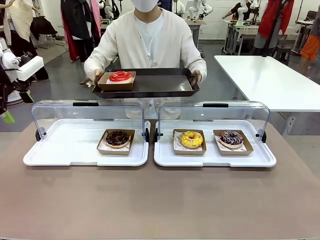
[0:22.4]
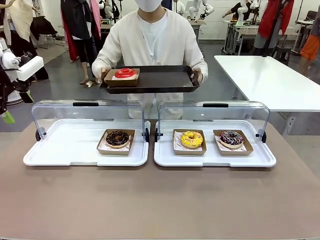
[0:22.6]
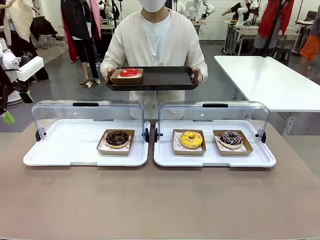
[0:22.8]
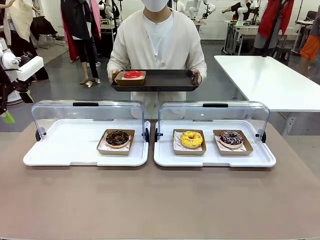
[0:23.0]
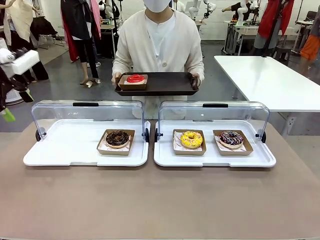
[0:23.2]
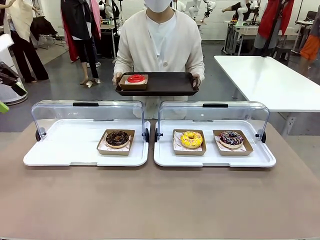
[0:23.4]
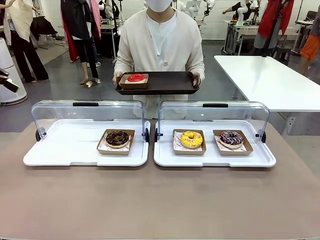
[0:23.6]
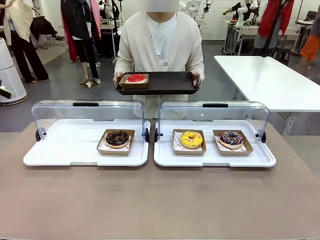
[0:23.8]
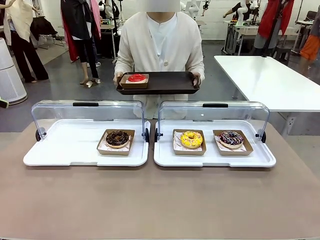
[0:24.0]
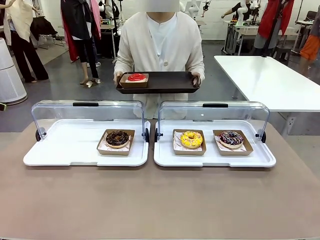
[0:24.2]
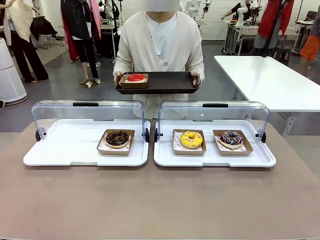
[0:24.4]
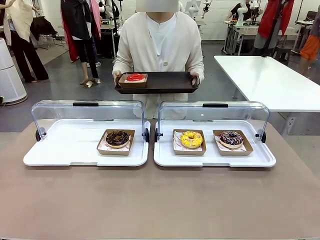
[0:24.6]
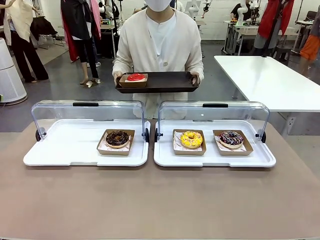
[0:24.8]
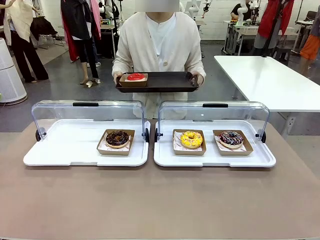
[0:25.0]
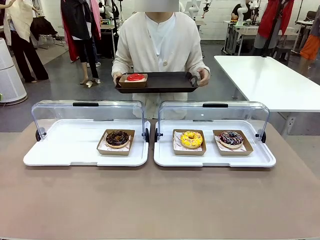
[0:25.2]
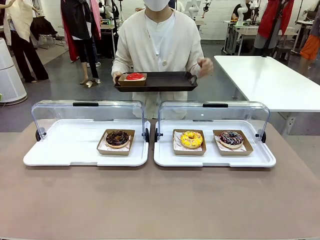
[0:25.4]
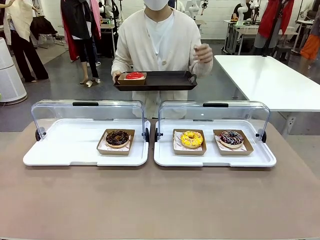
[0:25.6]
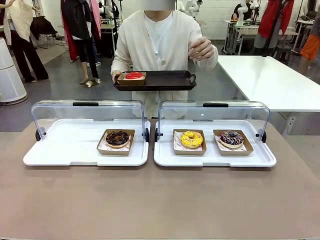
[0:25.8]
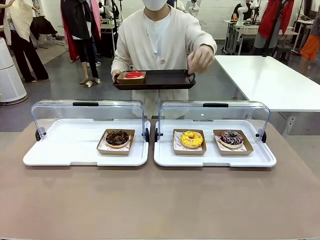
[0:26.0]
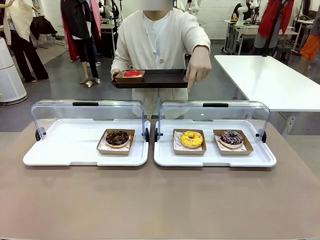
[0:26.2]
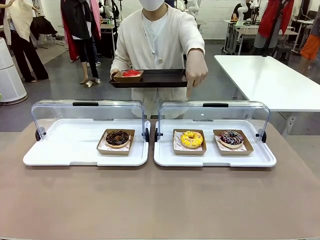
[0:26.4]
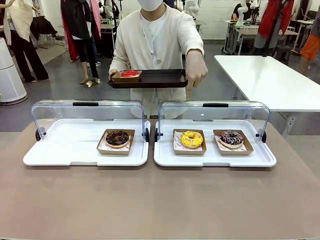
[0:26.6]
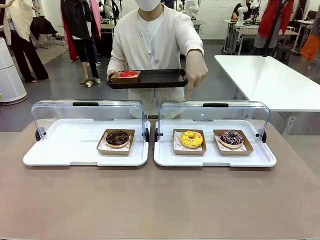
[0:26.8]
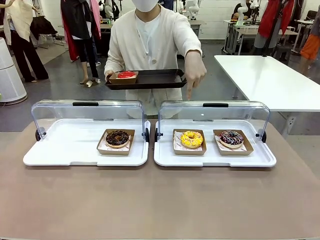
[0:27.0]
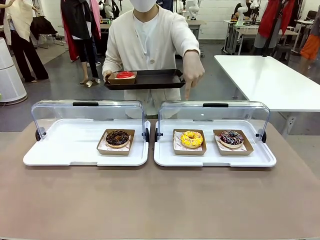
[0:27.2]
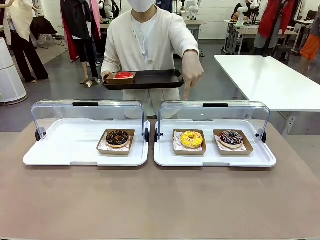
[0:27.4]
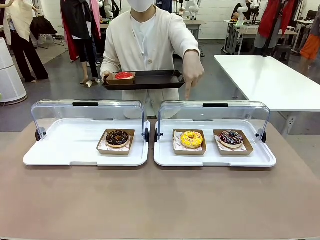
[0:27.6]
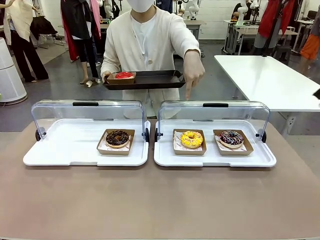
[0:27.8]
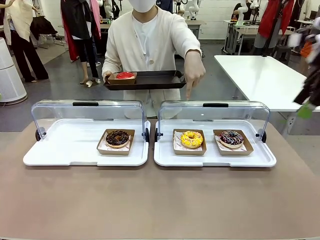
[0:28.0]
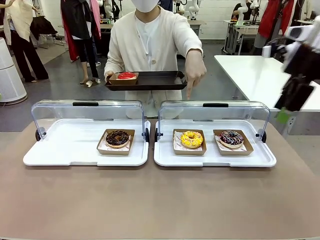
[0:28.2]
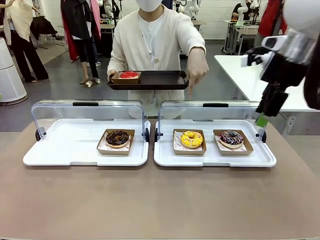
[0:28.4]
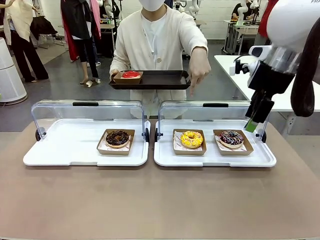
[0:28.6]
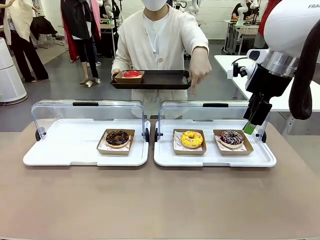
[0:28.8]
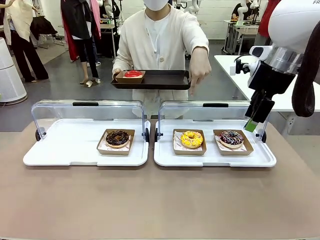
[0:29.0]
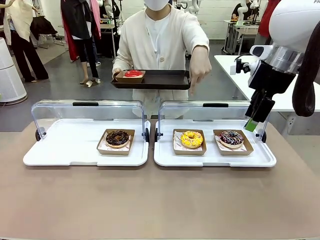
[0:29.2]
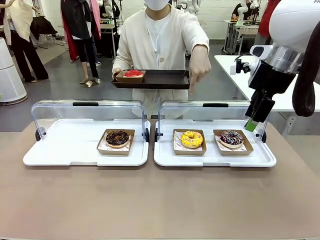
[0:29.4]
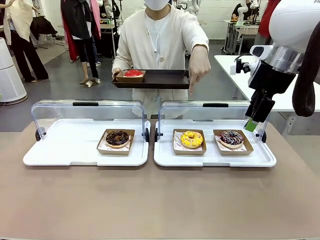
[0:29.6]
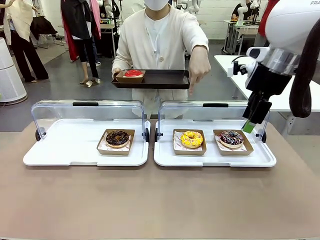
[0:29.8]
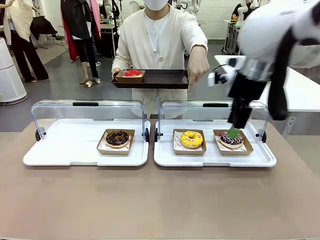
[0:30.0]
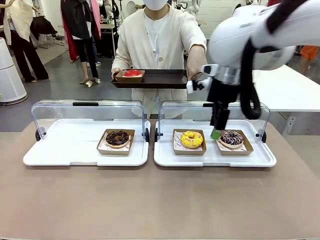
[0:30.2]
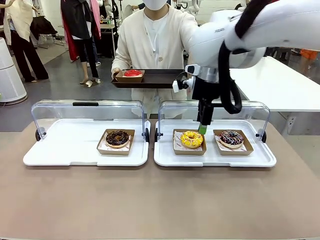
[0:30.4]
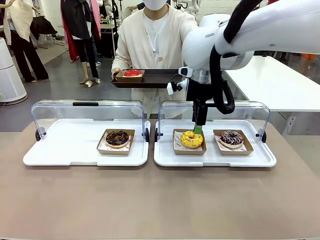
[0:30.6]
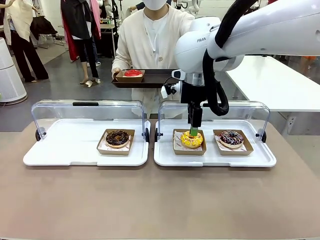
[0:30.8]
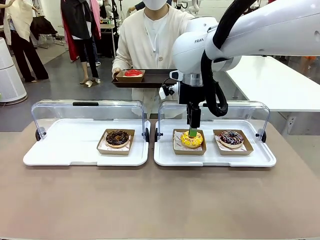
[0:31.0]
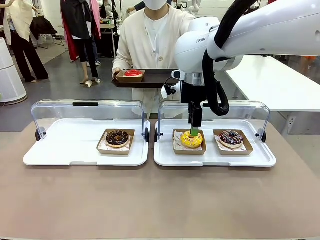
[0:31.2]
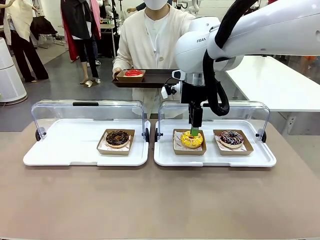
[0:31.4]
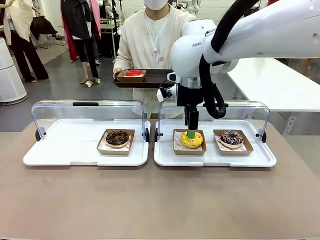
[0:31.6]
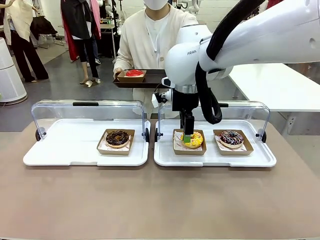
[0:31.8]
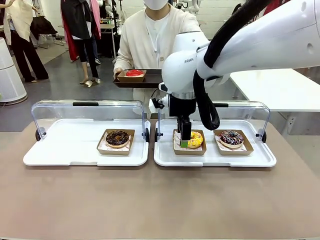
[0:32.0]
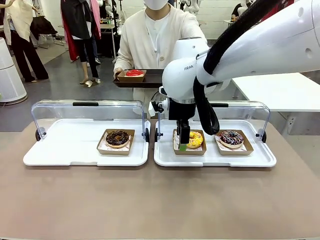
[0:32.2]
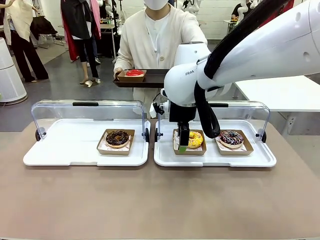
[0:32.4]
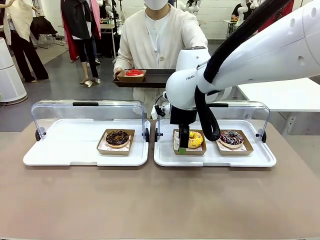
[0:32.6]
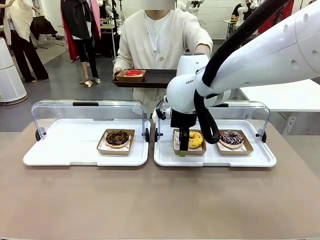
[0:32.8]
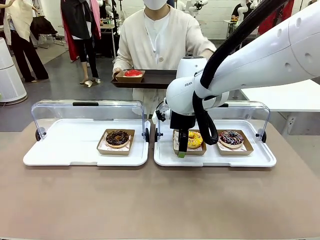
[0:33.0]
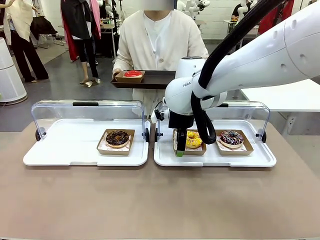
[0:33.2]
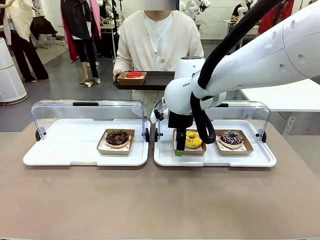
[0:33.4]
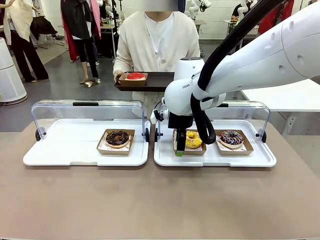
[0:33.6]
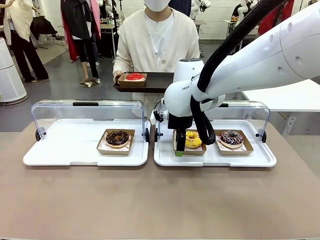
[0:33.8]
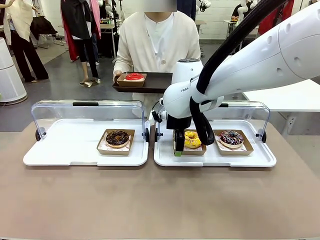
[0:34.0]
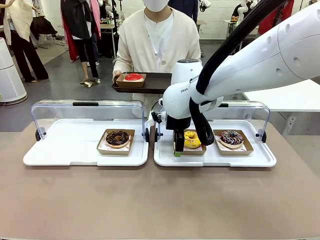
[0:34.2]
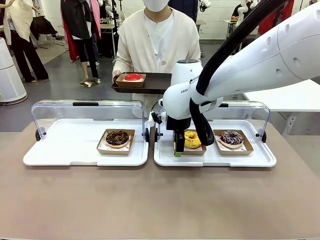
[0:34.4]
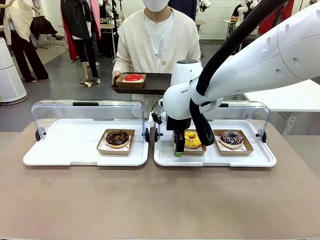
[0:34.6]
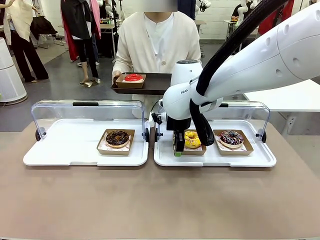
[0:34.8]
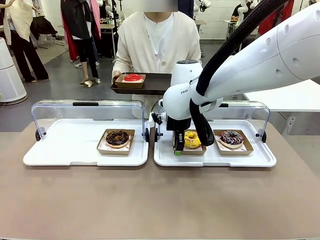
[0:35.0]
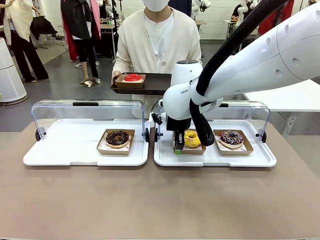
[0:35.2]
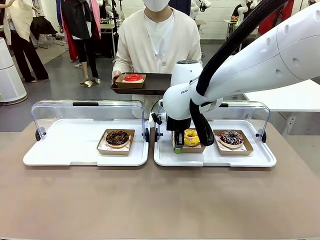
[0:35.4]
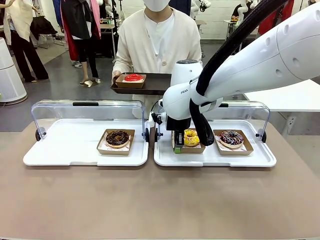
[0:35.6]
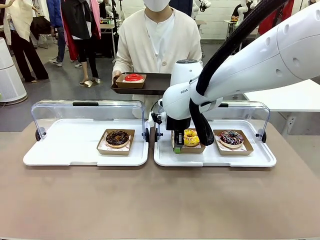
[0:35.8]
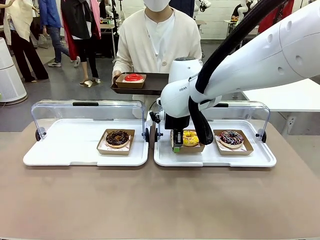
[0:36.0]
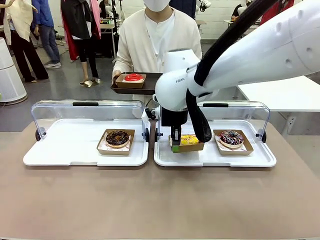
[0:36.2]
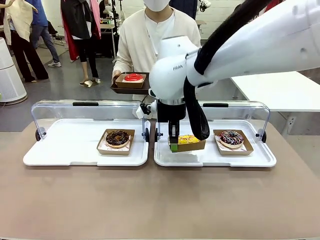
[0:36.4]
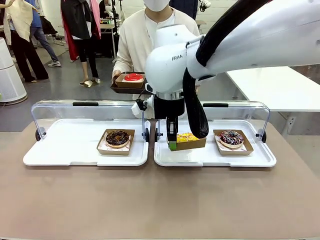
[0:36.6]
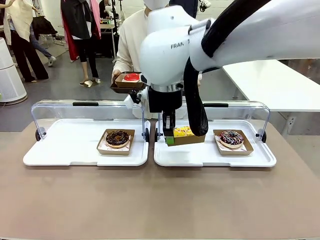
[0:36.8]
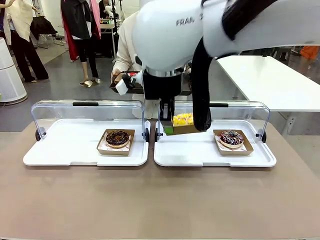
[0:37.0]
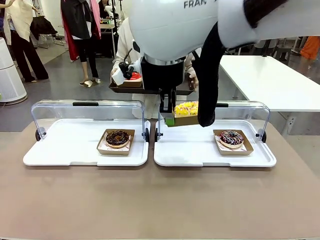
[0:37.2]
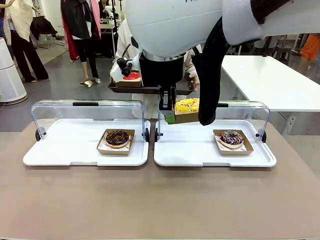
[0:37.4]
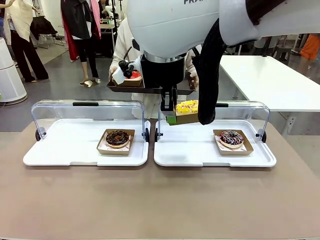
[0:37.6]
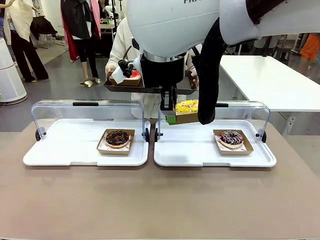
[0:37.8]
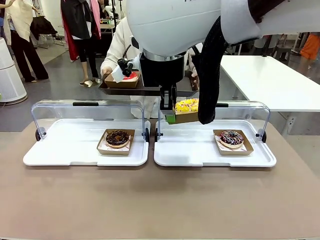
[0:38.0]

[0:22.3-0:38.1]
Task: Provide the desired donut to the person.
Robot: Pick up and lift the Paper togo box containing the Donut pointed at by the person.
Person: Point to one donut. Lift the tray onto the Roll-Top Bakery Case.
